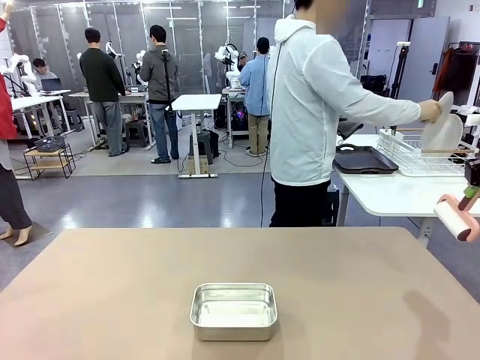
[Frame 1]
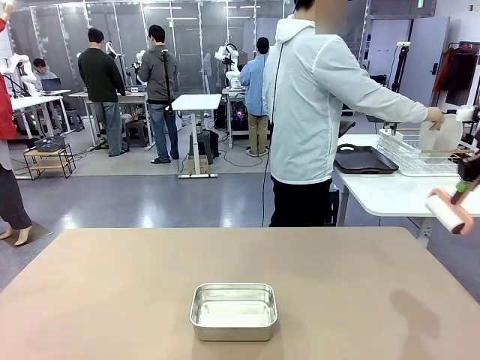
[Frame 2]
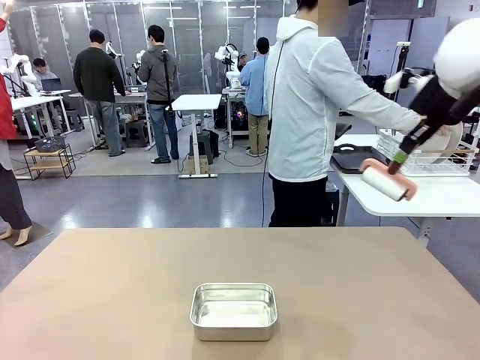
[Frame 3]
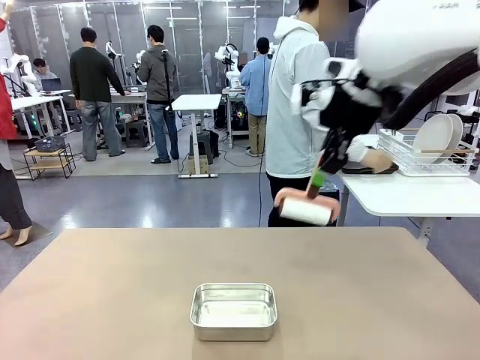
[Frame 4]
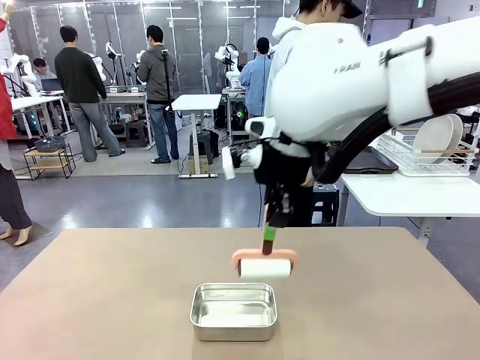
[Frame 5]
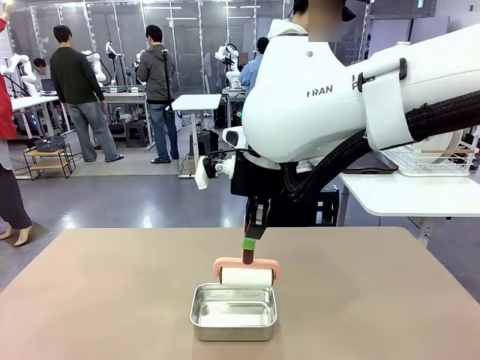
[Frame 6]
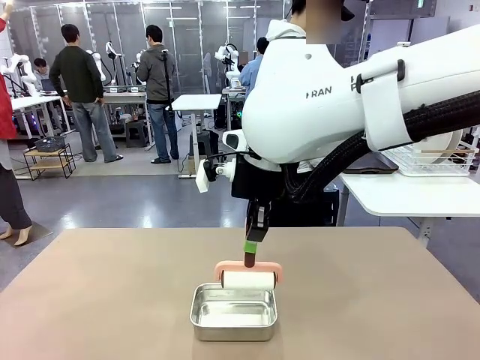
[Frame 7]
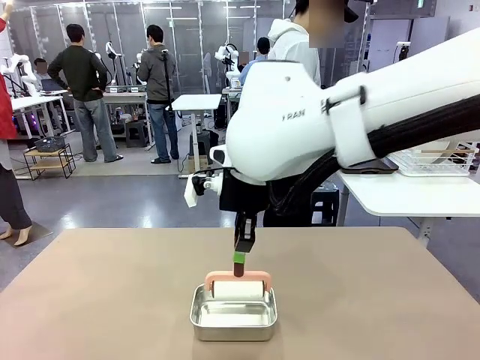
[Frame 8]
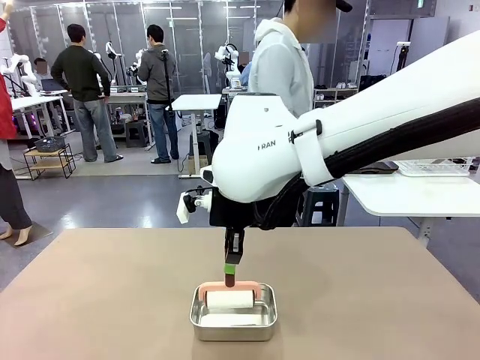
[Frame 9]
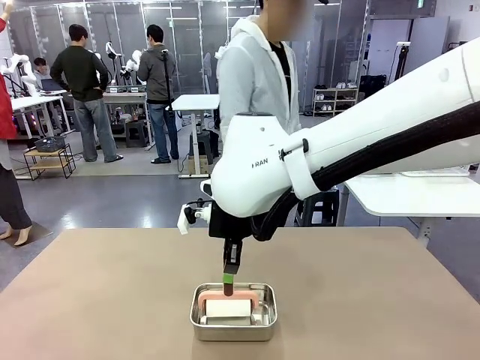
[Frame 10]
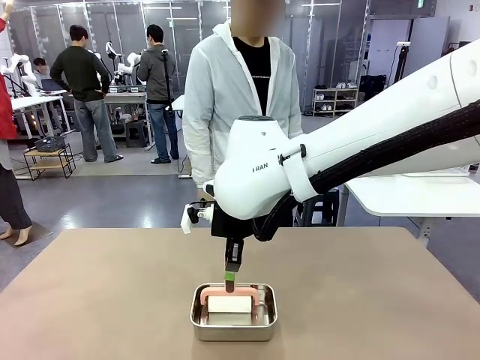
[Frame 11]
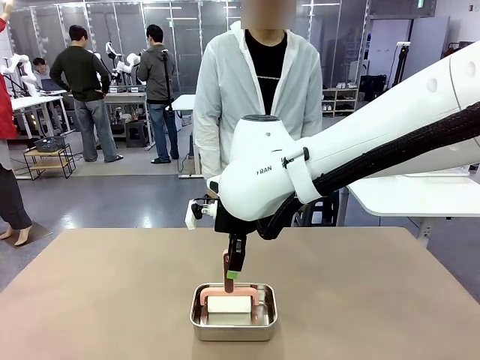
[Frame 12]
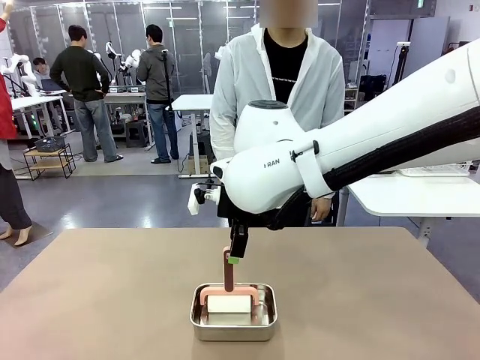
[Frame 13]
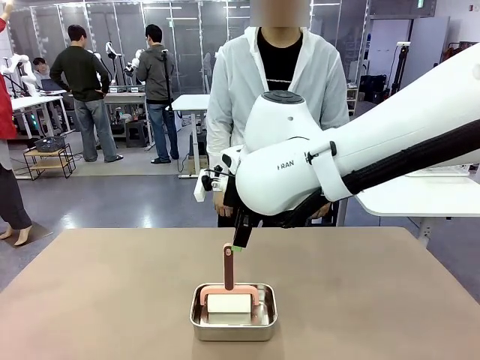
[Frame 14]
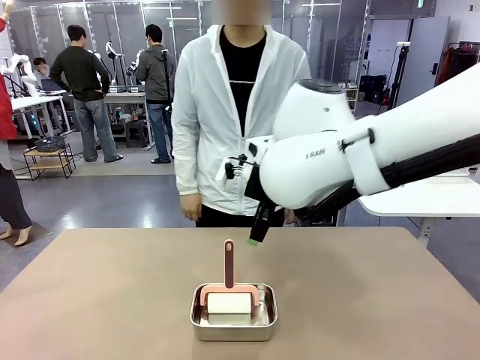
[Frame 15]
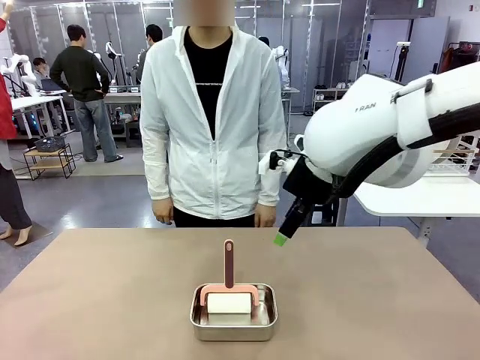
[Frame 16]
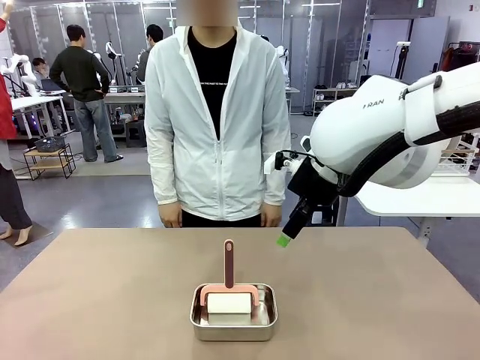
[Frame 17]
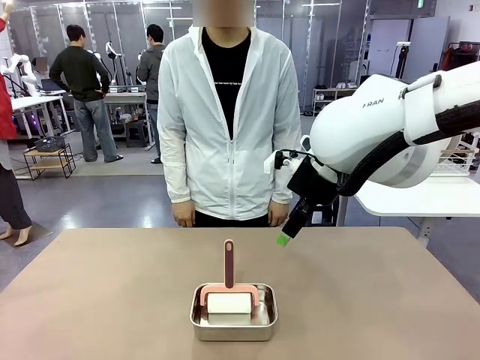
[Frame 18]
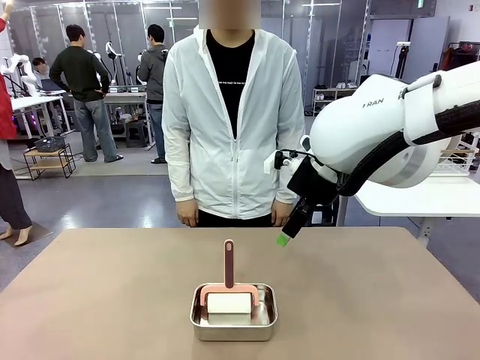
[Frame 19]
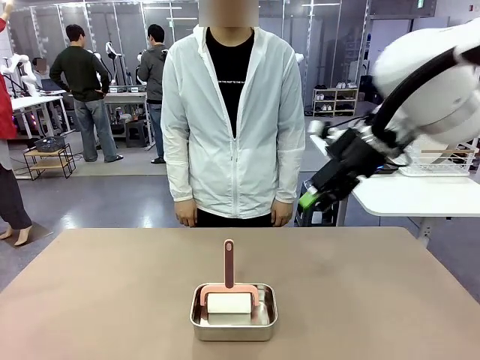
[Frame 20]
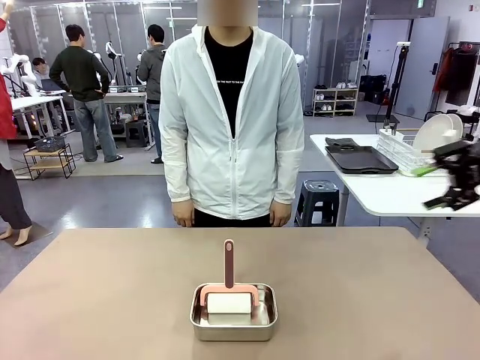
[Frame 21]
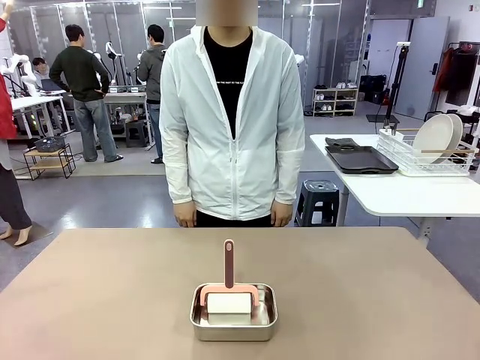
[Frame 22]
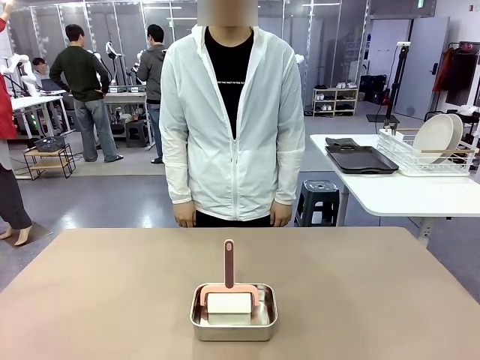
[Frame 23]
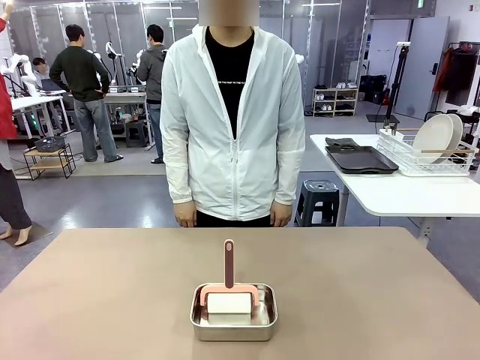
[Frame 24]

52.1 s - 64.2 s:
Robot: Place the Lint Roller back on top of the Airtight Container.

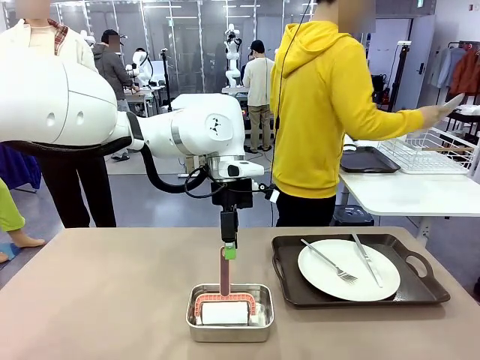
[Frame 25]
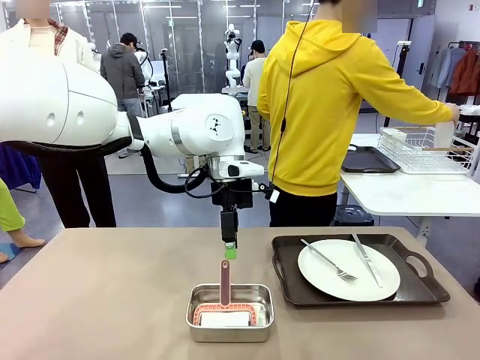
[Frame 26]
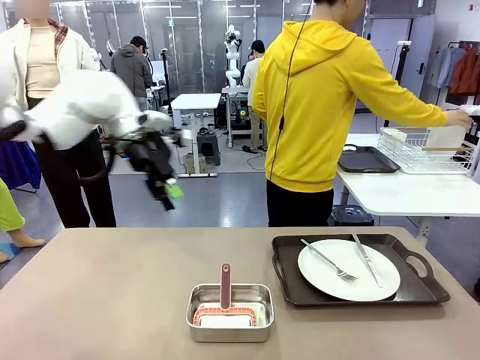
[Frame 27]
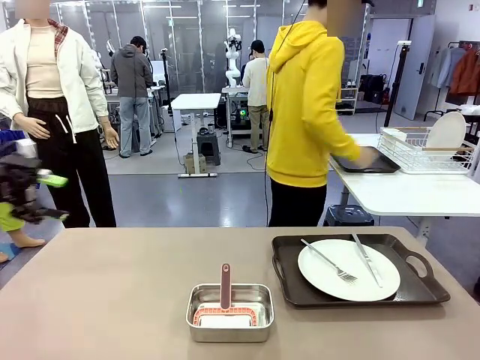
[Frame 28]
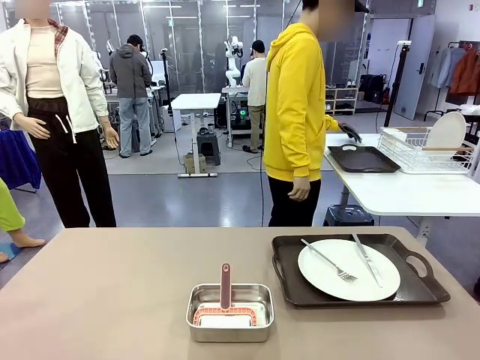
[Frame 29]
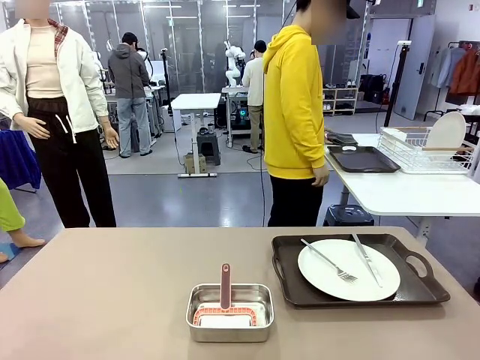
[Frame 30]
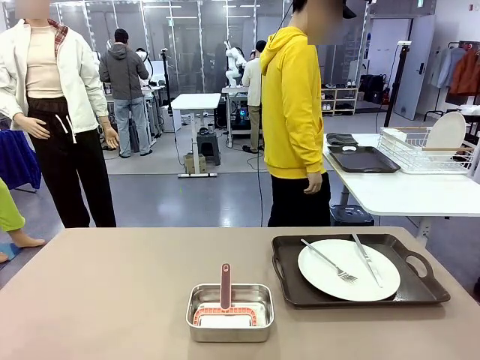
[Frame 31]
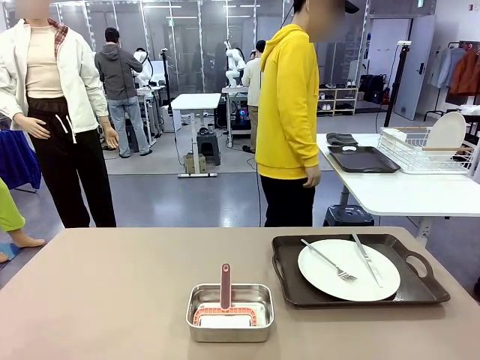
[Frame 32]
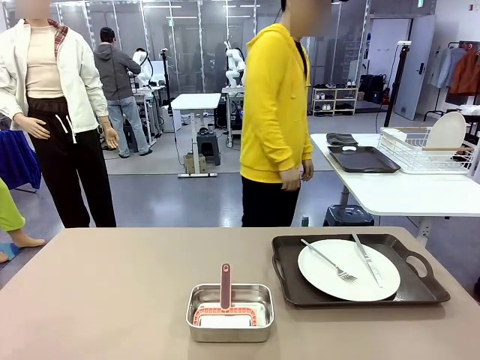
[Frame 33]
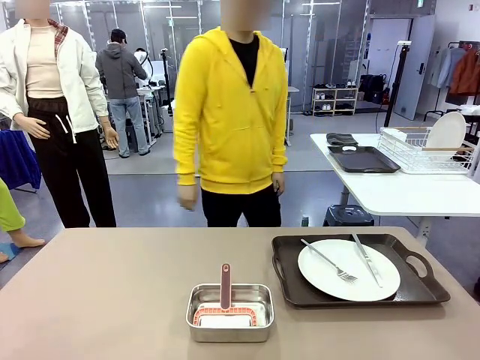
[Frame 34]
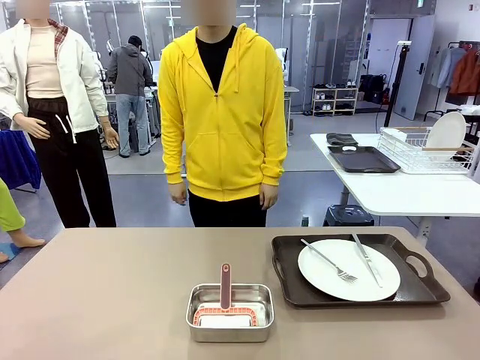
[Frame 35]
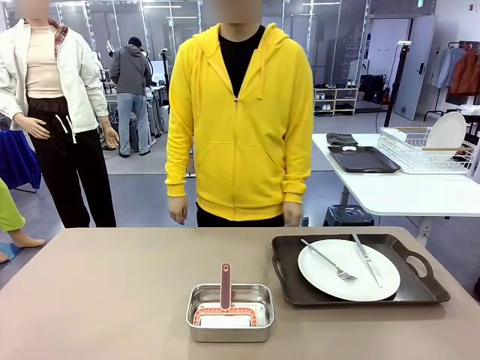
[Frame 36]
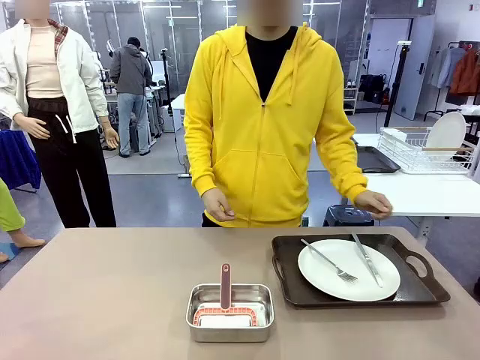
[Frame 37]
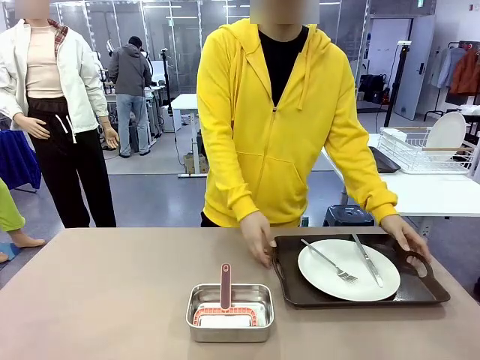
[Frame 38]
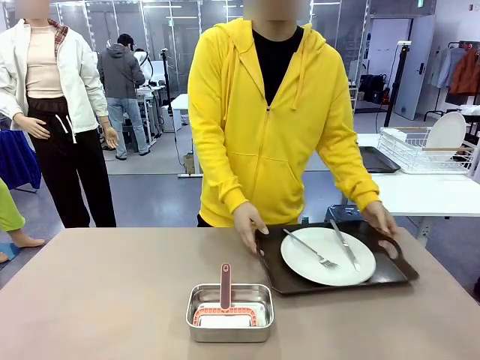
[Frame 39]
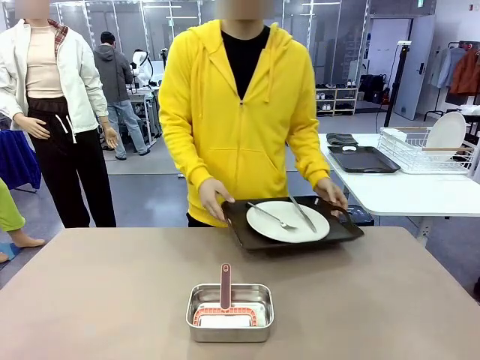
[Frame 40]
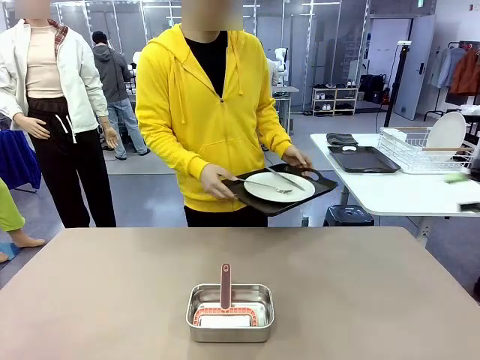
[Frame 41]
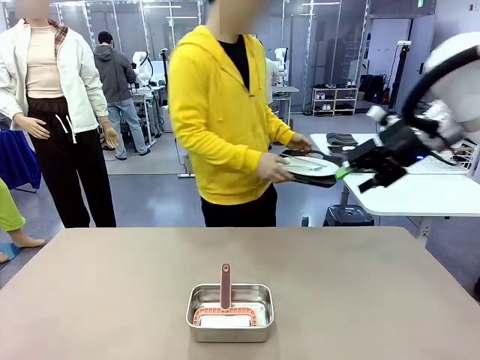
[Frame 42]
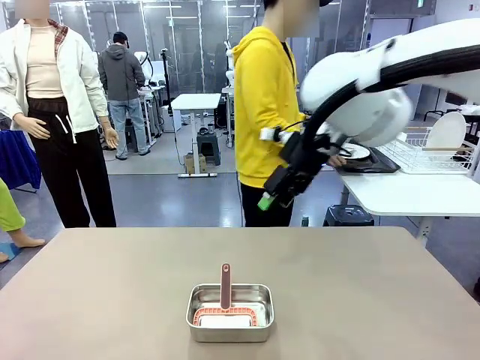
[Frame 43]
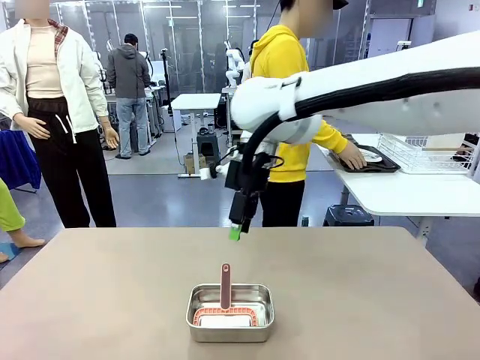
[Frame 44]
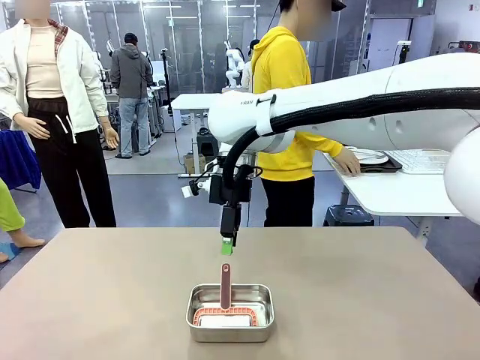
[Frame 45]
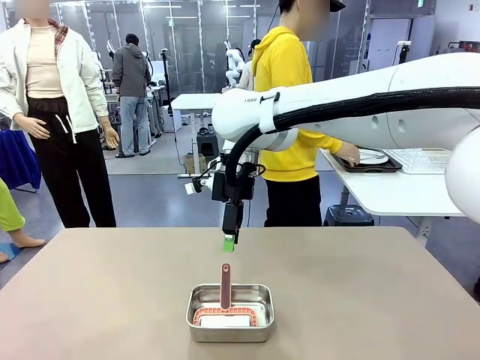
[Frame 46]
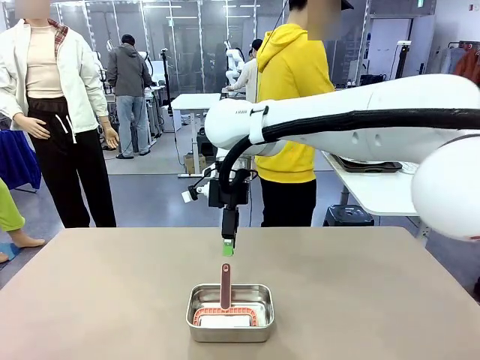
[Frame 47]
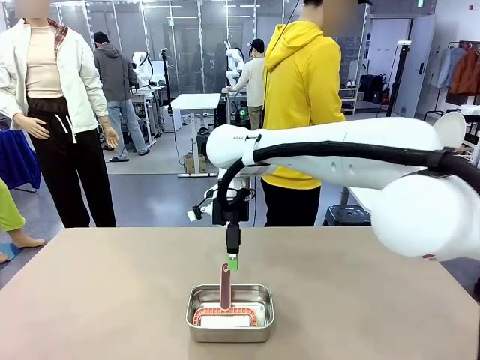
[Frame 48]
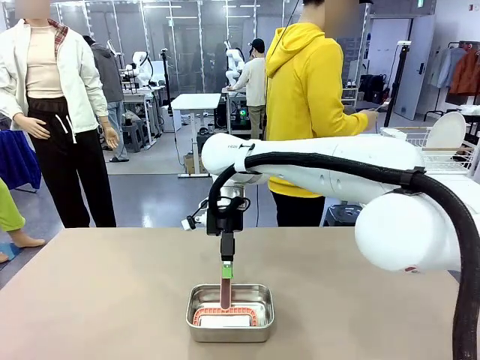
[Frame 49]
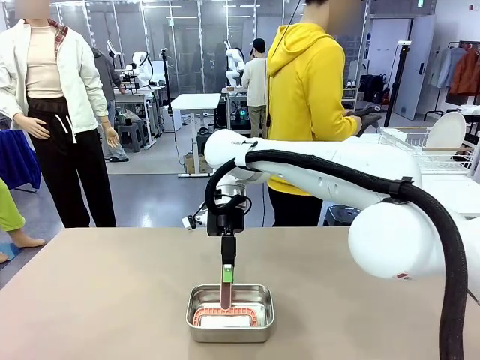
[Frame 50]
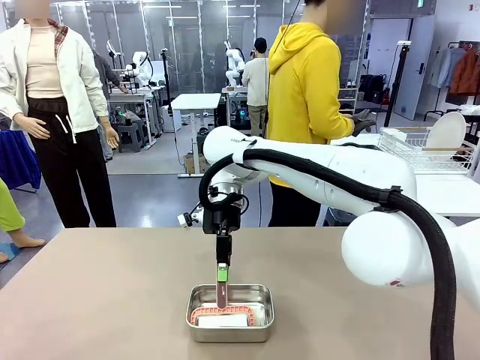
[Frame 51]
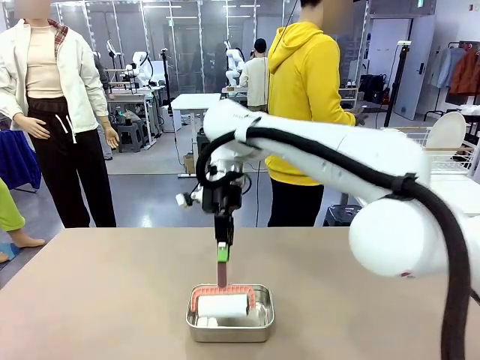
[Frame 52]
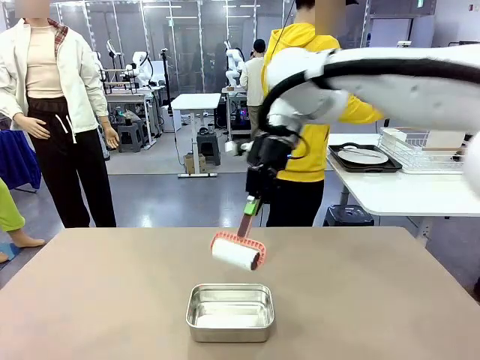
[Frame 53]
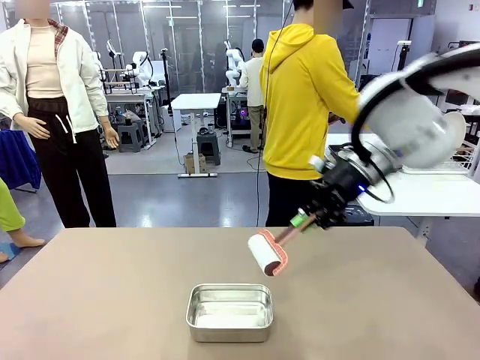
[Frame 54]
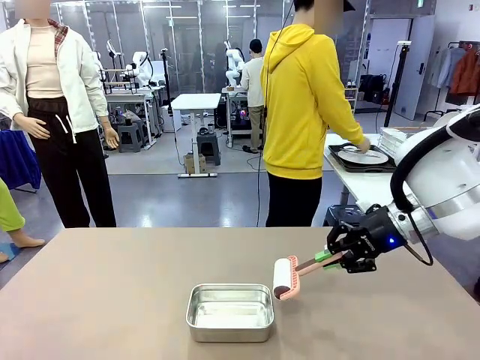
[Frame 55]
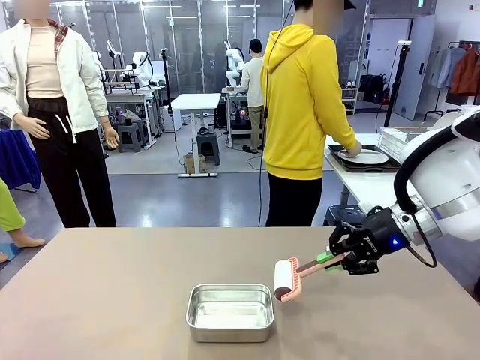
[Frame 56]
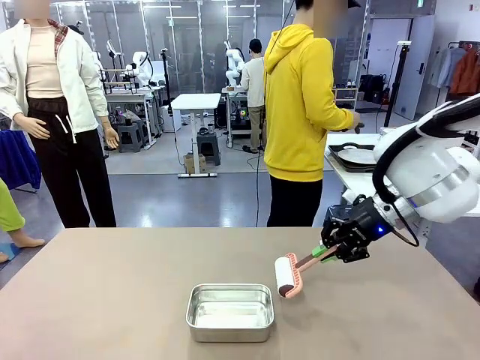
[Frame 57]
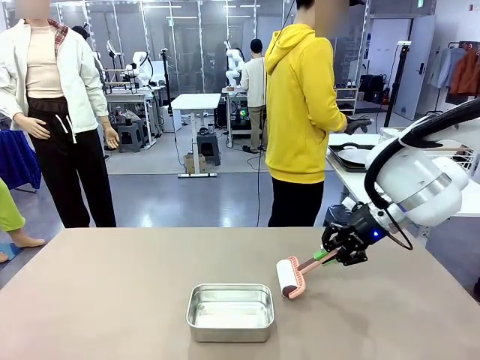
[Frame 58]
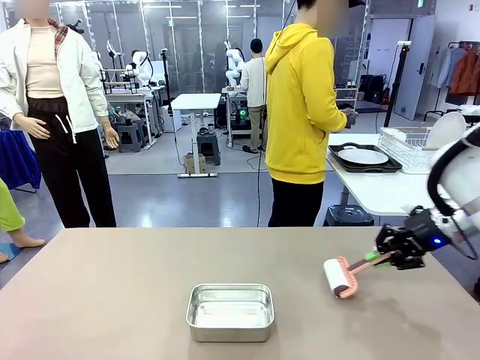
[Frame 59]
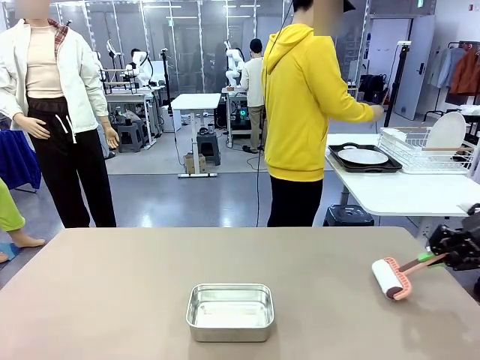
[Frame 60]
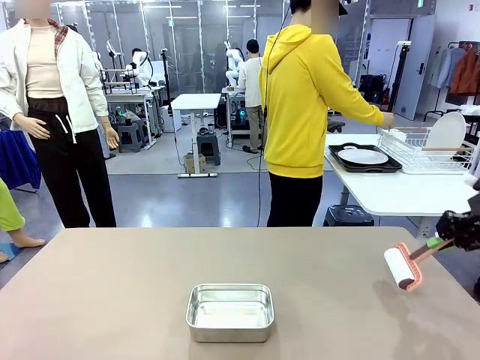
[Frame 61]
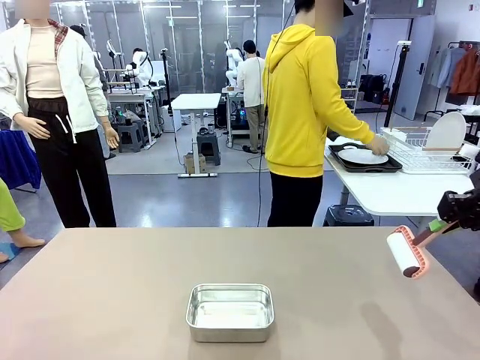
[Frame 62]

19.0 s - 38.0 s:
Robot: When the right (or left) Handle tray is removed, use the right hand (or left hand) to clean the right (or left) side of the table with the Lint Roller.
Person: Pick up the left (or right) Handle tray and place it on the Handle tray.
